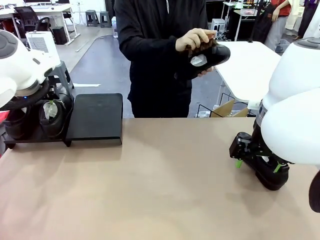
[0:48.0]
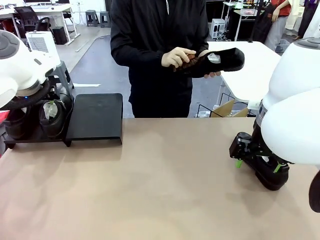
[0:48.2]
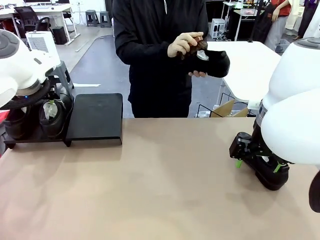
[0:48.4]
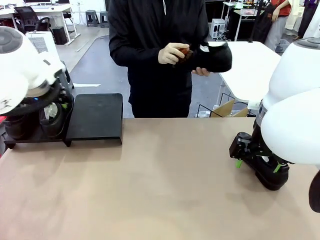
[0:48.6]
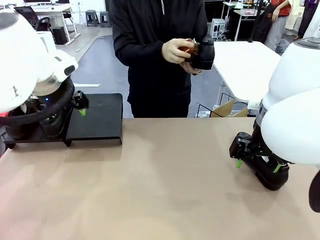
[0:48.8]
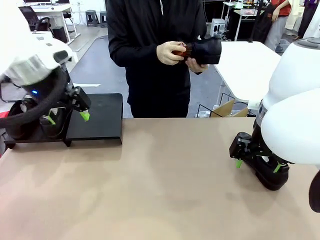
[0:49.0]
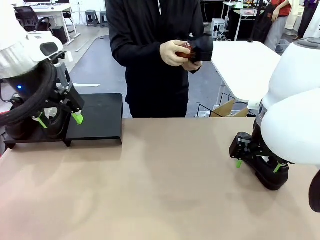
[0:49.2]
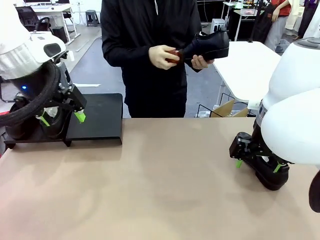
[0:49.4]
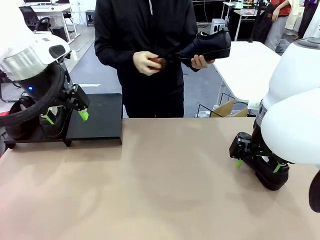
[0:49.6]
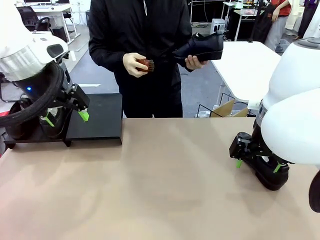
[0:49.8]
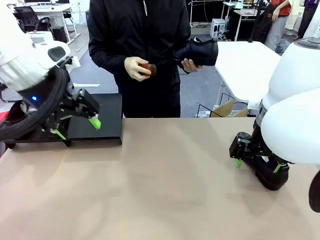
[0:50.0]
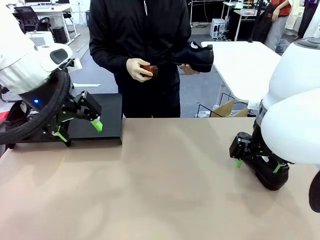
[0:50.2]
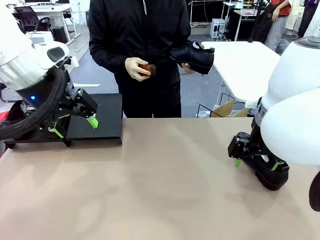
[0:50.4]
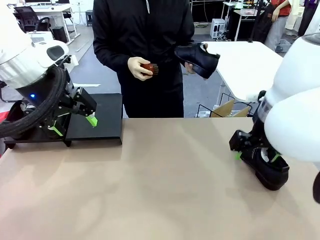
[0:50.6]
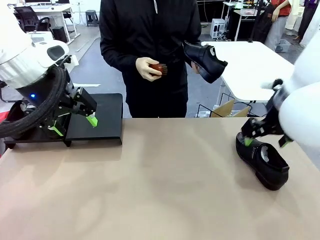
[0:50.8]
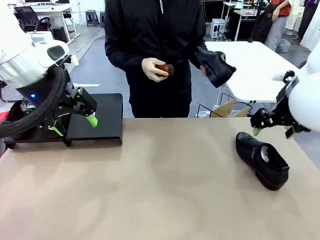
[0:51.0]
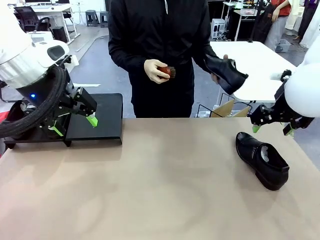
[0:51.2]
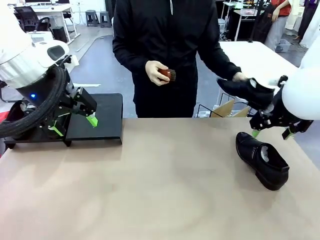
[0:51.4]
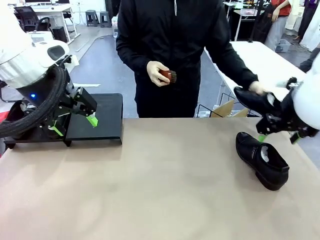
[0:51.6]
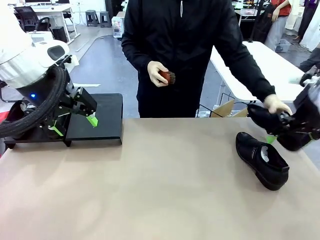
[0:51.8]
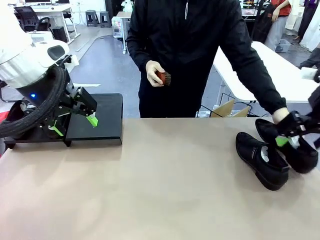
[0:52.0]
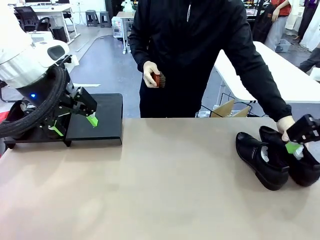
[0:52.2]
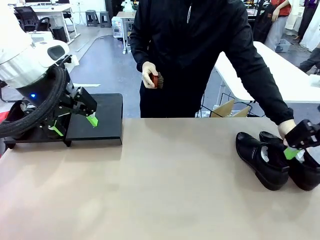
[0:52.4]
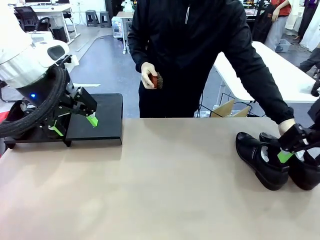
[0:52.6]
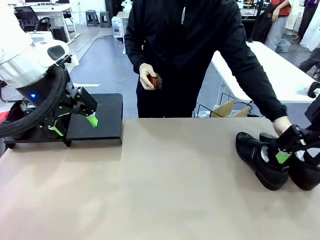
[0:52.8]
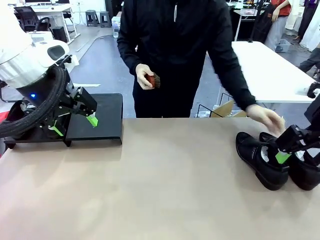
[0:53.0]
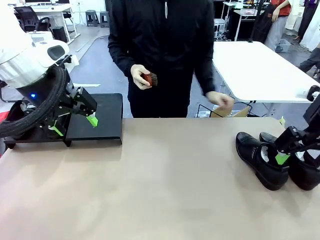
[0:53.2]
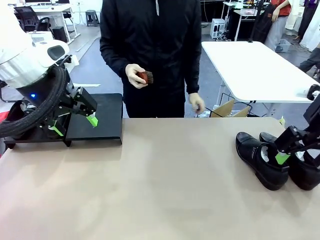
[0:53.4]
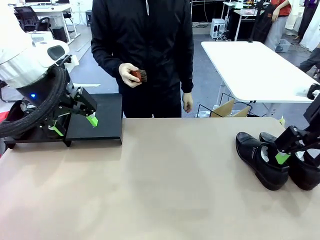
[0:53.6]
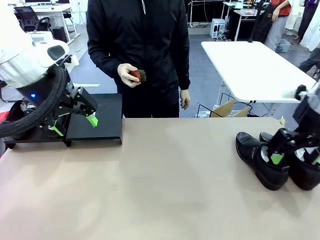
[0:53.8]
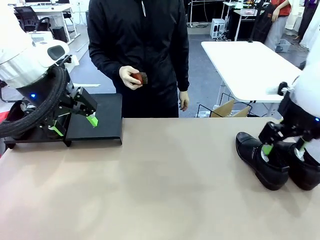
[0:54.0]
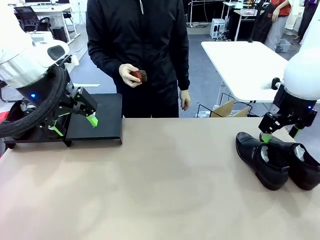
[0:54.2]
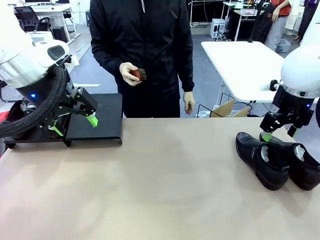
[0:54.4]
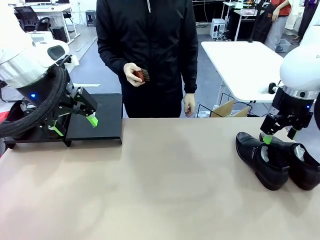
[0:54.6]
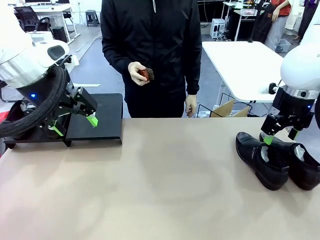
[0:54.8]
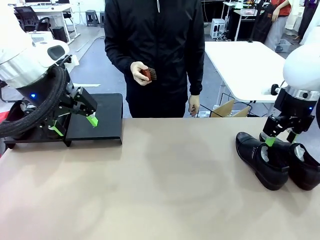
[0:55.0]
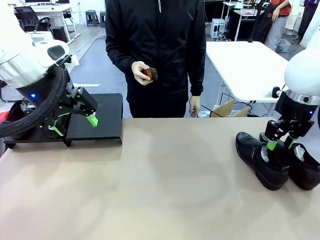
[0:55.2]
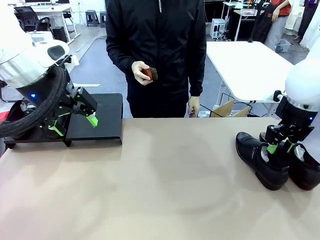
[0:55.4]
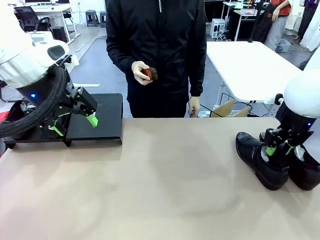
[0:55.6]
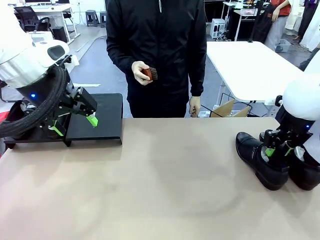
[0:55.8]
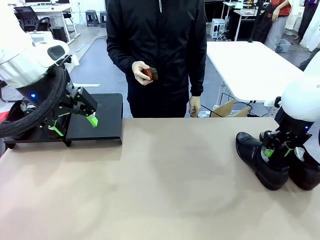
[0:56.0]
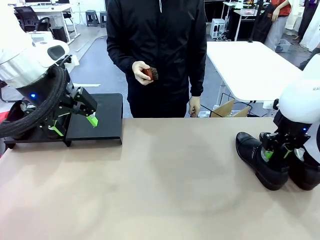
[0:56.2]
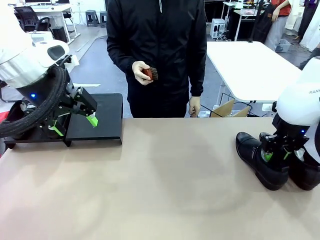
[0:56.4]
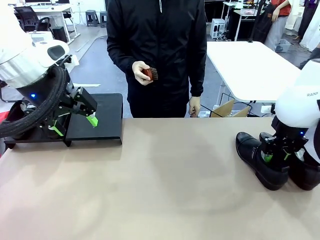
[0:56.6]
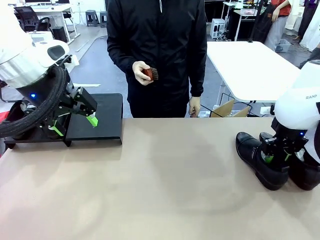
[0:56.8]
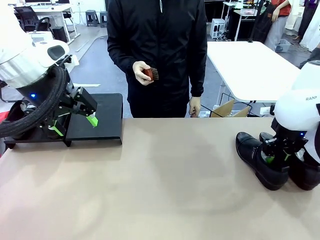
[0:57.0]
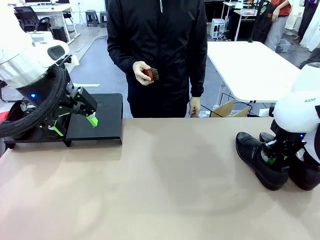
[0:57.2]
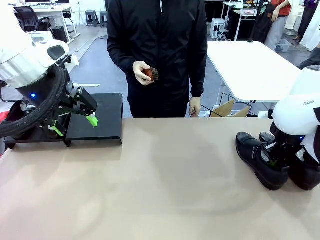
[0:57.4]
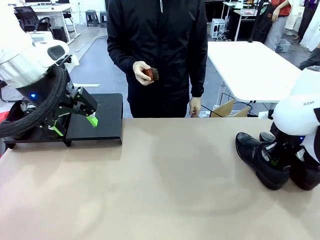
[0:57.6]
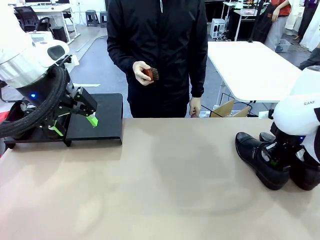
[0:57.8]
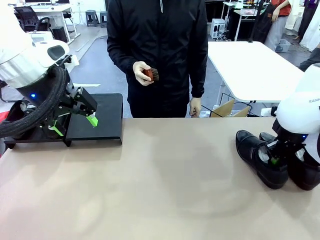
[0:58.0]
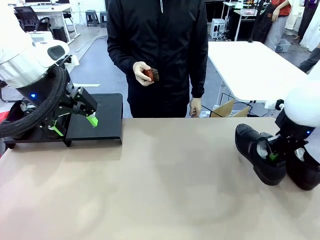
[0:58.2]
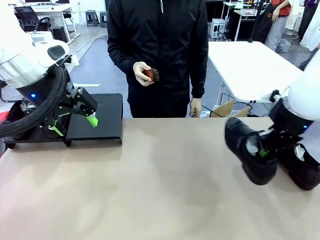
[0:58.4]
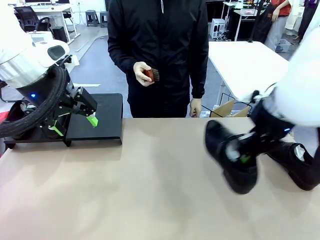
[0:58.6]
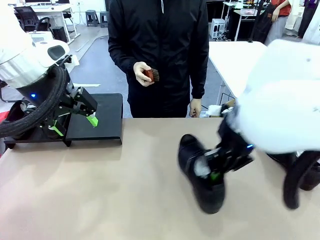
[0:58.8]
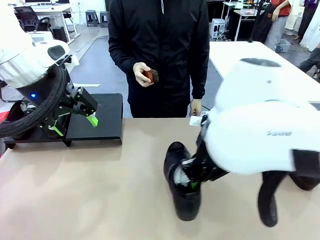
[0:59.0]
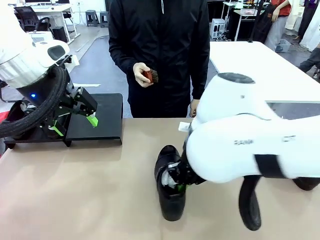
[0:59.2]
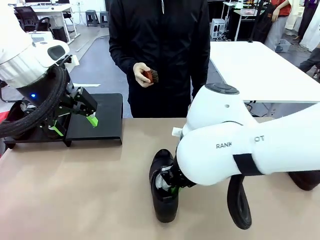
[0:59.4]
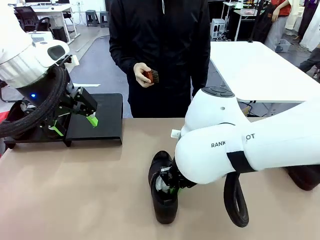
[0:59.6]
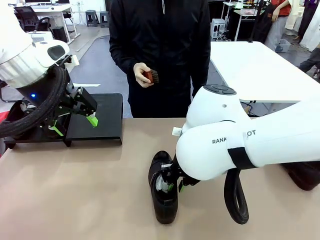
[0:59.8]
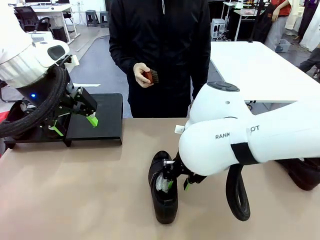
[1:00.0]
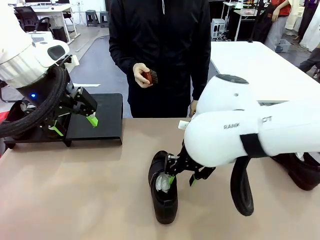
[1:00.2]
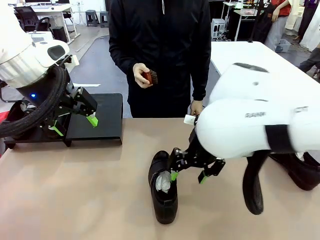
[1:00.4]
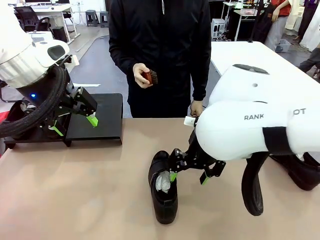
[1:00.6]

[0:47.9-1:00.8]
Task: Organize the shoes by placing them on the stand.
Robot: Pick up one Shoe and place it in the middle of the table.

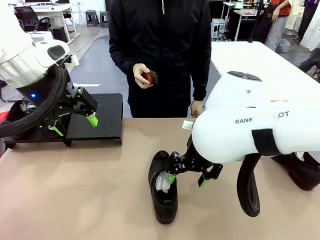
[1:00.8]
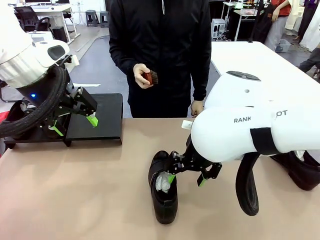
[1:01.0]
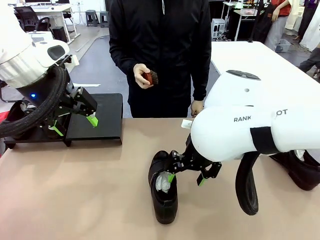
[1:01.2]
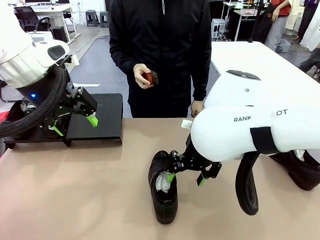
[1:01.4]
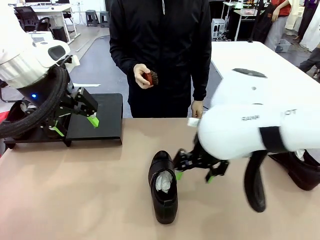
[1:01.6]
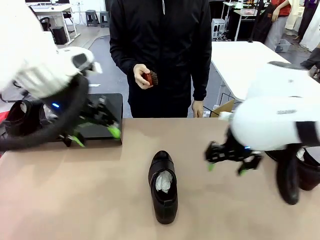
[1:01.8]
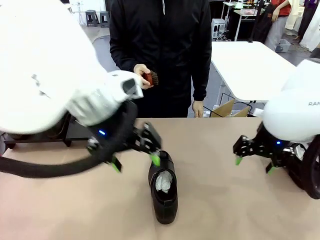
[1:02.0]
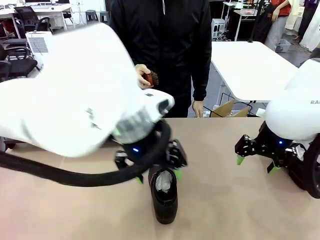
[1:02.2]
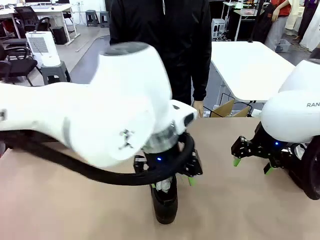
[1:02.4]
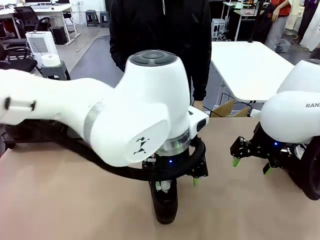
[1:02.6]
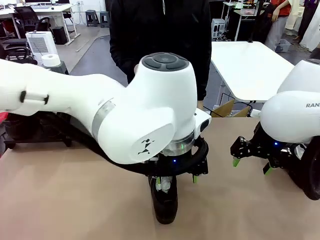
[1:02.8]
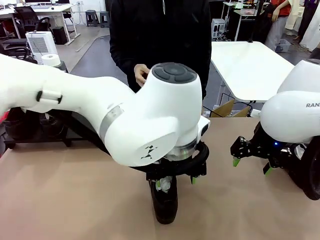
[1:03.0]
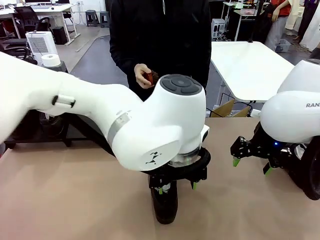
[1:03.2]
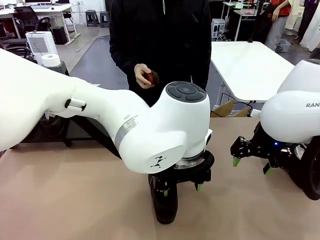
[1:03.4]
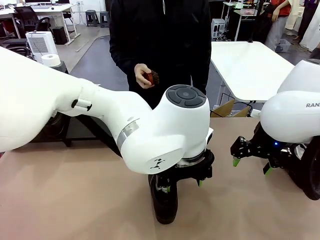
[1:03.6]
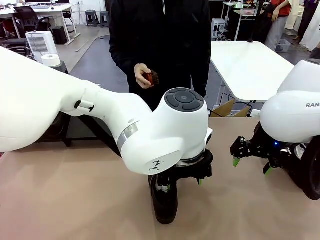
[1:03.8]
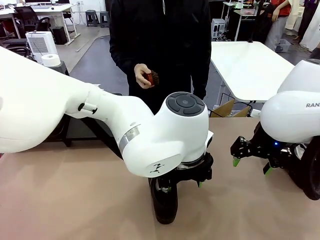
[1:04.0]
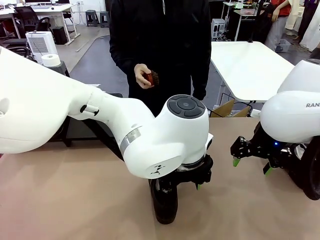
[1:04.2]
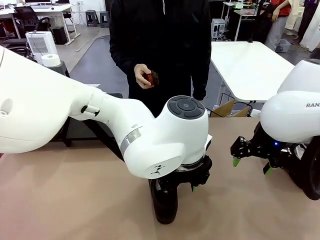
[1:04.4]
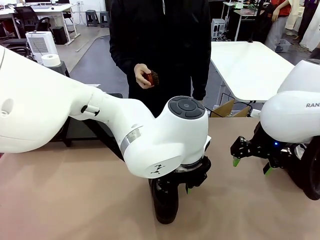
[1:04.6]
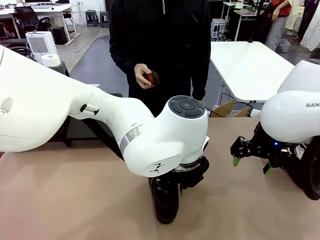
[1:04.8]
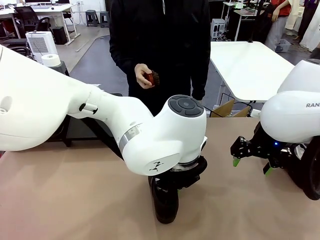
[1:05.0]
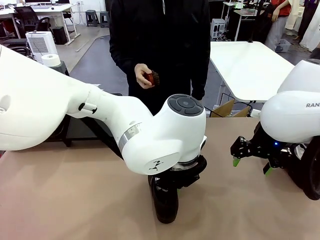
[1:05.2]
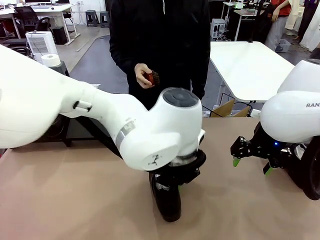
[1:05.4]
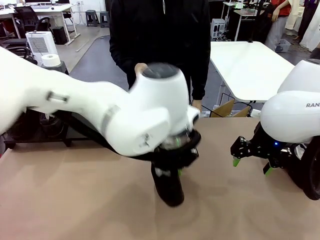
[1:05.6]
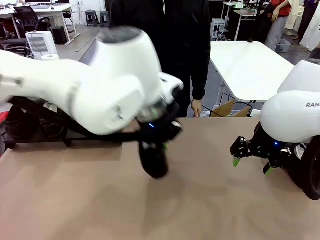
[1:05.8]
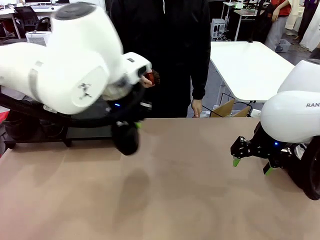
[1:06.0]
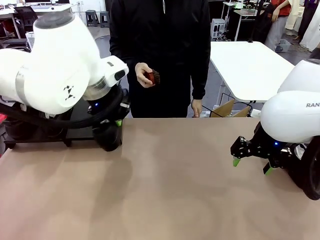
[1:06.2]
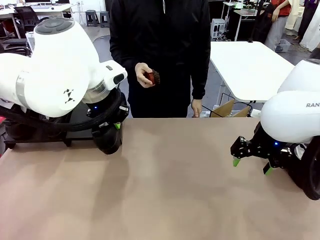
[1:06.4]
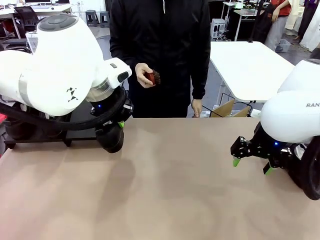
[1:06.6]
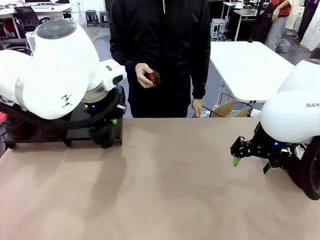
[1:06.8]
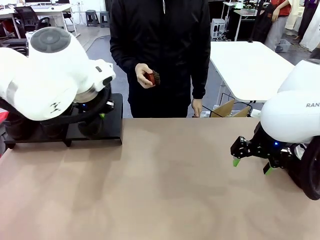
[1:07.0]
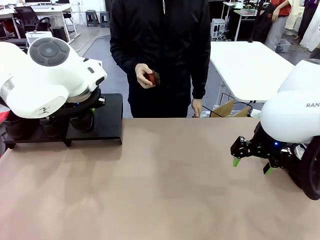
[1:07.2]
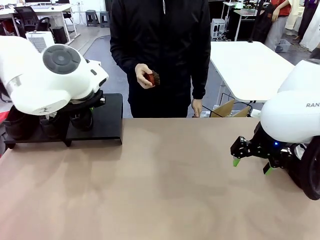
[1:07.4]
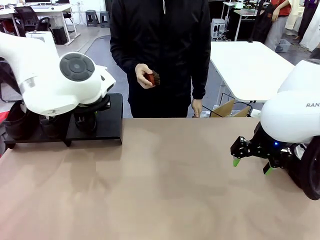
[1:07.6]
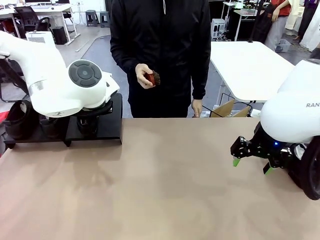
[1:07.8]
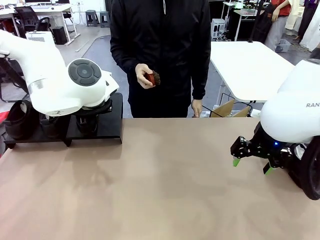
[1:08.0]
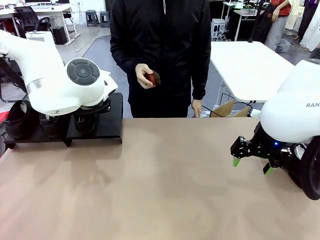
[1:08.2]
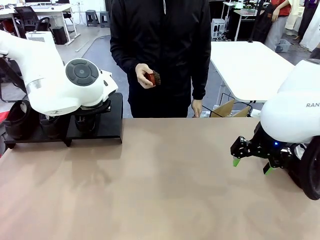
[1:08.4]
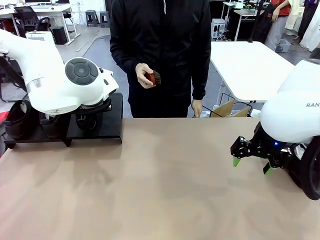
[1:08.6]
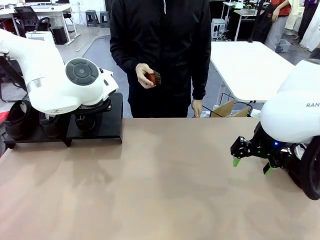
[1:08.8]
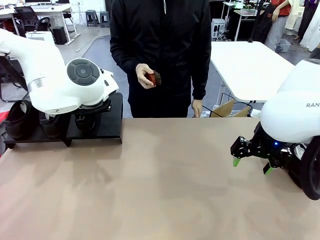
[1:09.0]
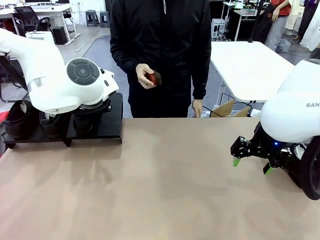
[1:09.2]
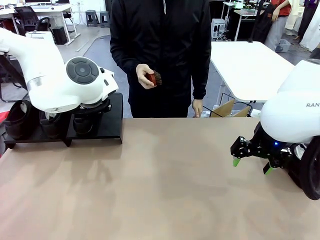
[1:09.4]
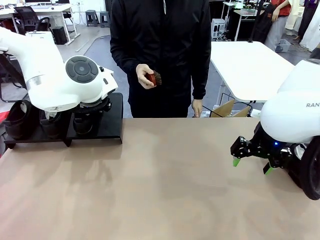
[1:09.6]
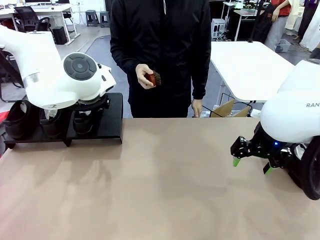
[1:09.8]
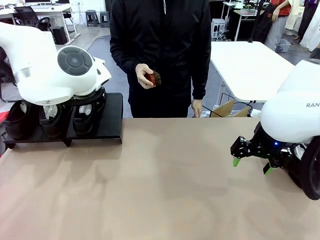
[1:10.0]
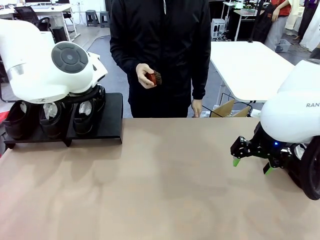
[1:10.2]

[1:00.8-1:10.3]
Robot: Place the Shoe from the middle of the table onto the Shoes Stand.
